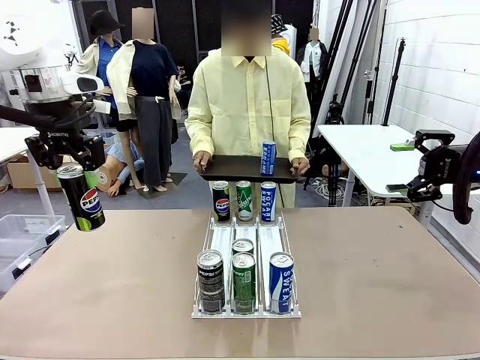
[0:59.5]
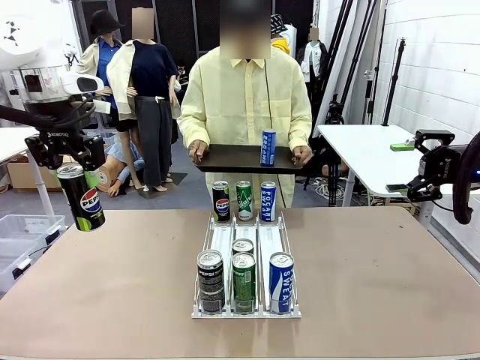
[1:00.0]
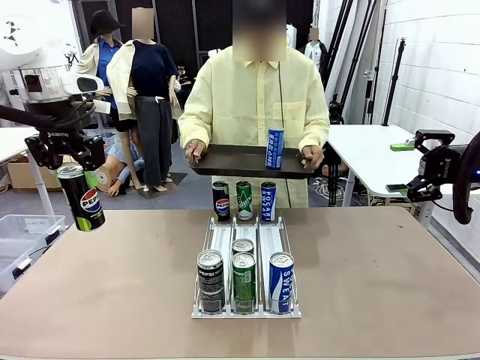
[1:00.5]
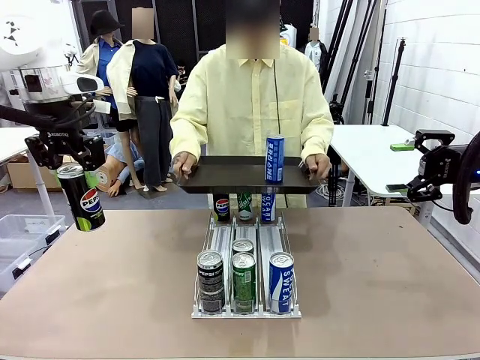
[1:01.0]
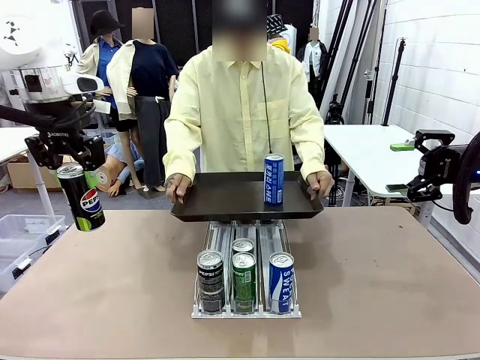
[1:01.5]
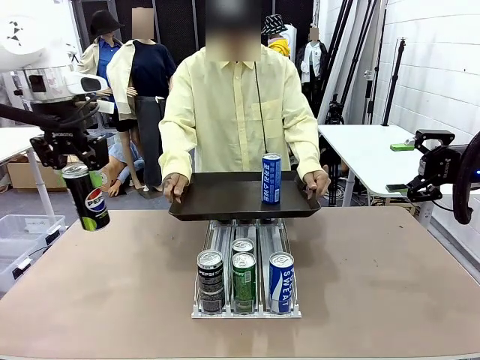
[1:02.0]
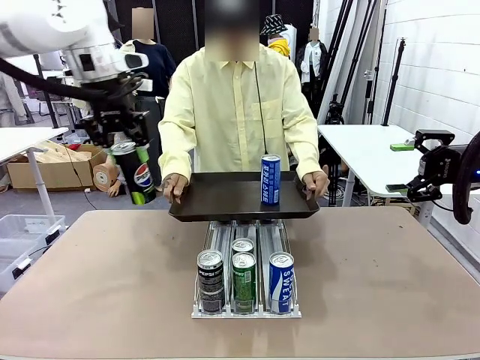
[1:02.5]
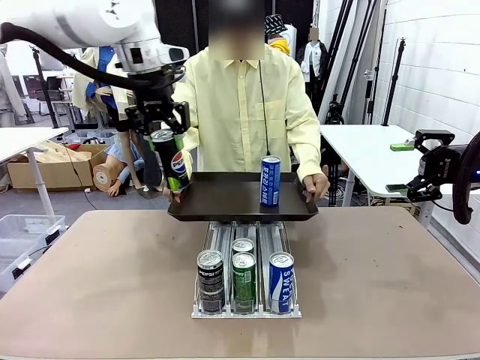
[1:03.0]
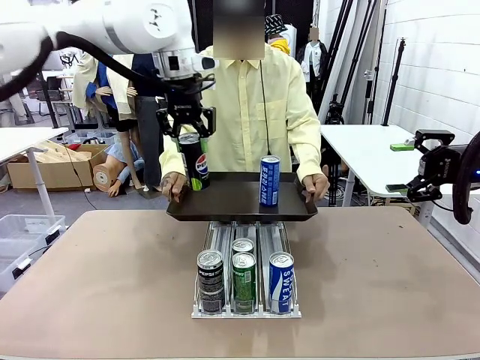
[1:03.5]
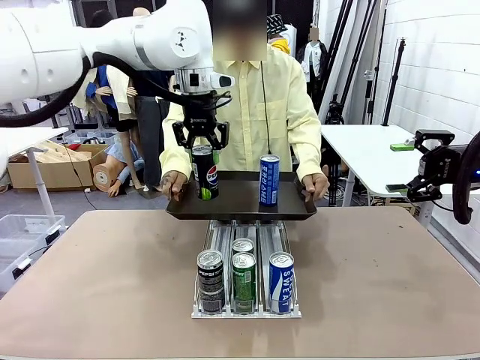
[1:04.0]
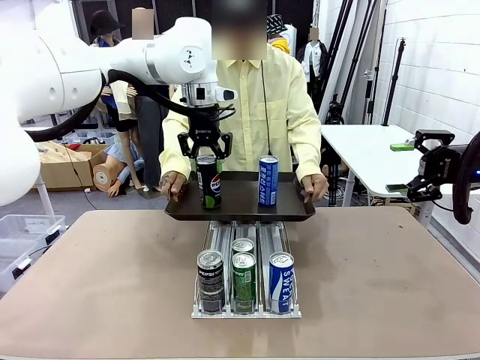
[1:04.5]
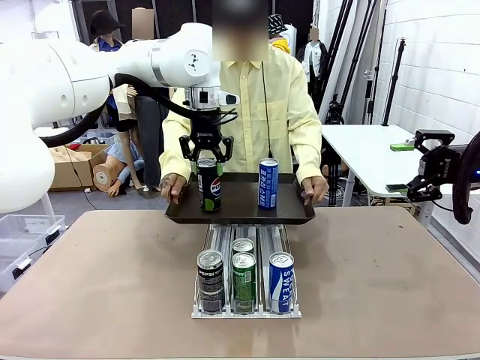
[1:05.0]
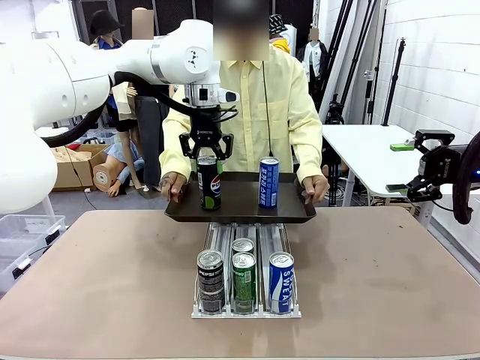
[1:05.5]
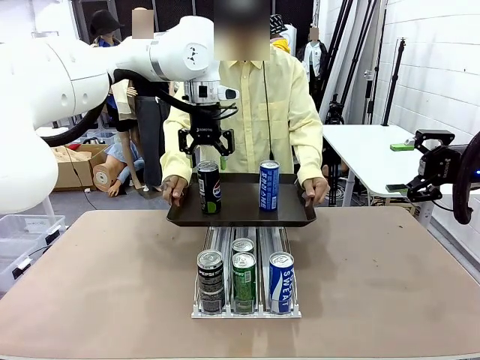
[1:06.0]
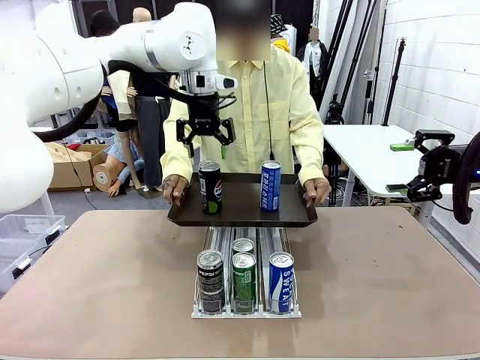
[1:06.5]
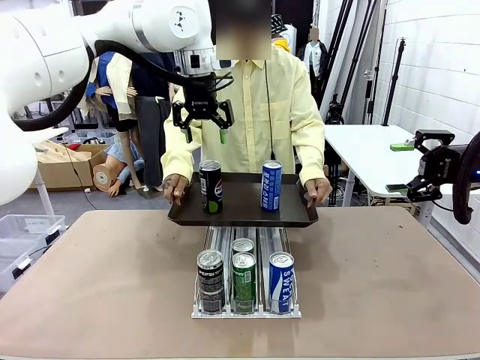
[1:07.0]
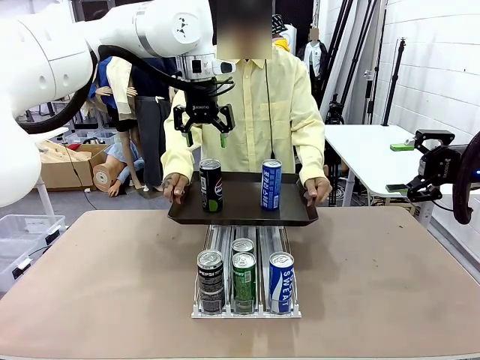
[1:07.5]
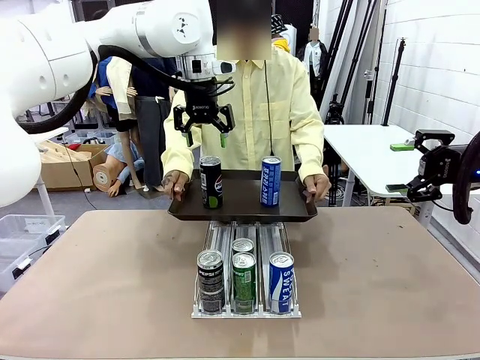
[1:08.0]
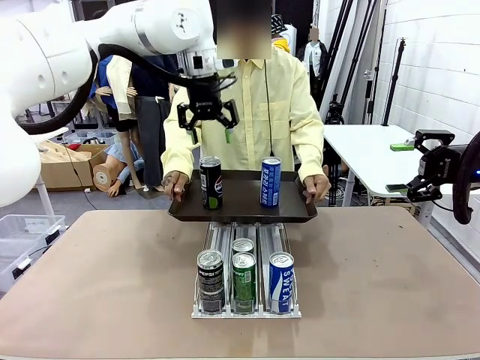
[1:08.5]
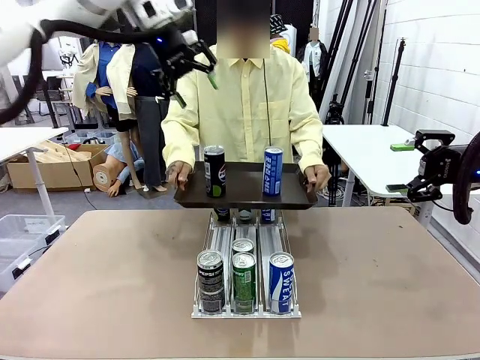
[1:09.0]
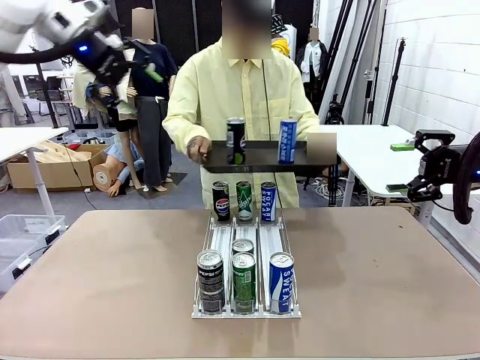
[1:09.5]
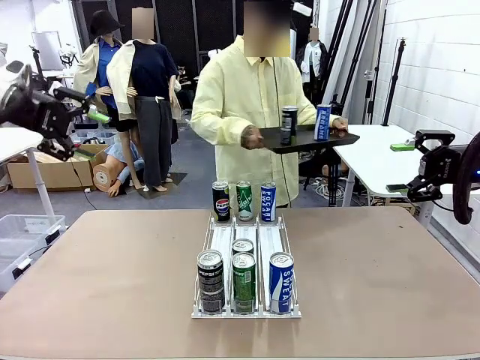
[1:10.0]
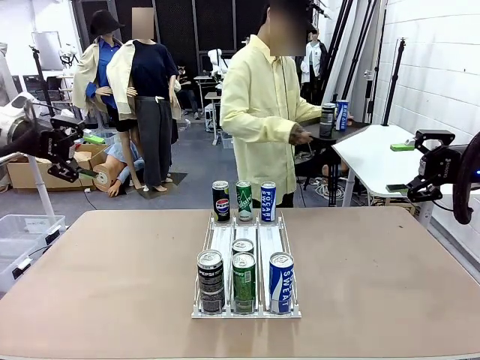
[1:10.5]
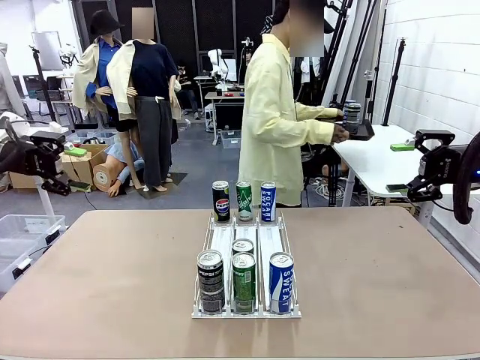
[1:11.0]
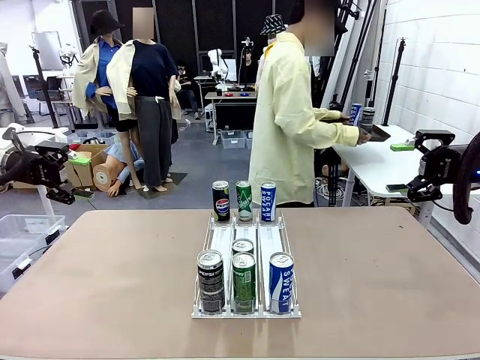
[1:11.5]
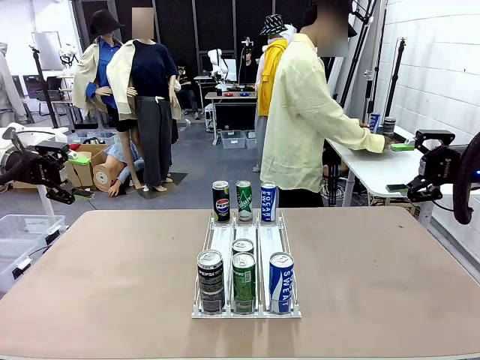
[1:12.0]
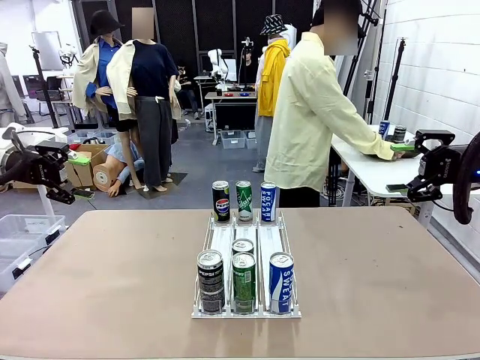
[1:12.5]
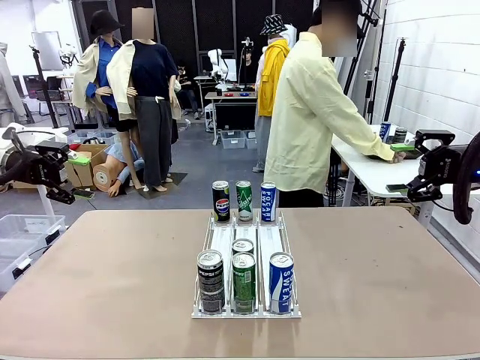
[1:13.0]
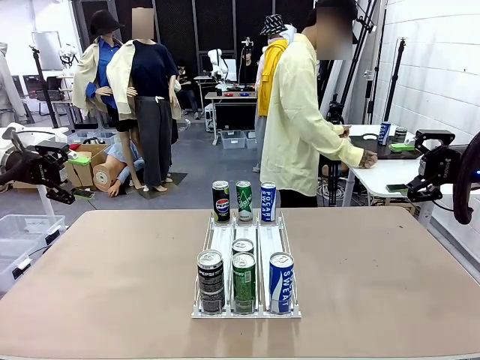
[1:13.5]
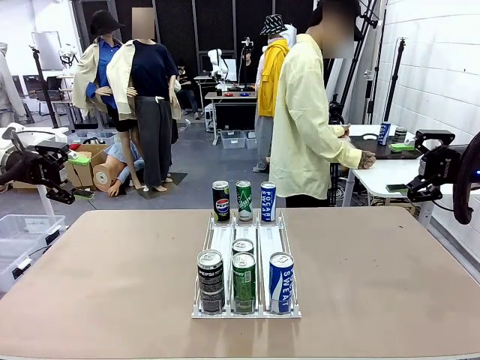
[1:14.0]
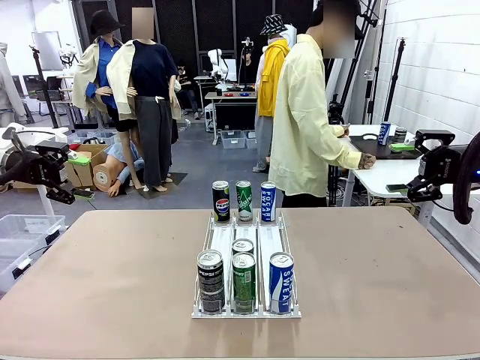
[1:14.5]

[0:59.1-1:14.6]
Task: Retrieve and hand over the desired beverage to the person.
Robot: Place the picked can on the Handle tray extended by the person.
Person: Pull the tray back and place it at the center of the human table.

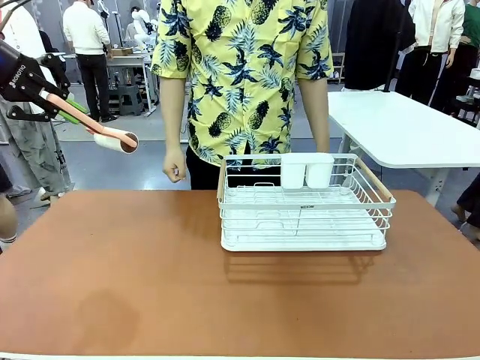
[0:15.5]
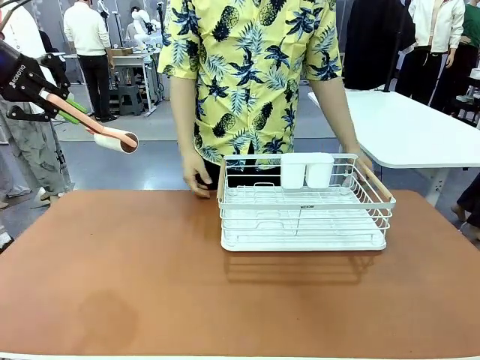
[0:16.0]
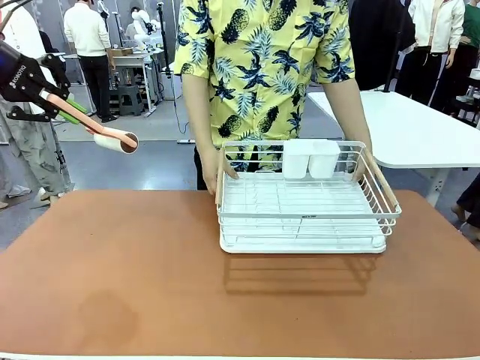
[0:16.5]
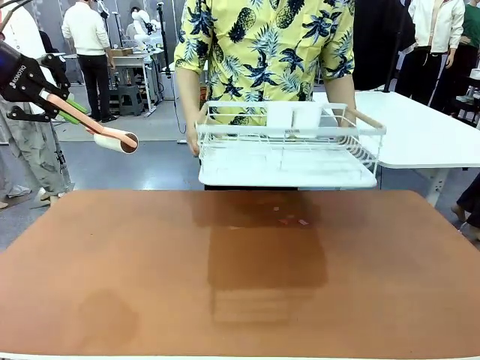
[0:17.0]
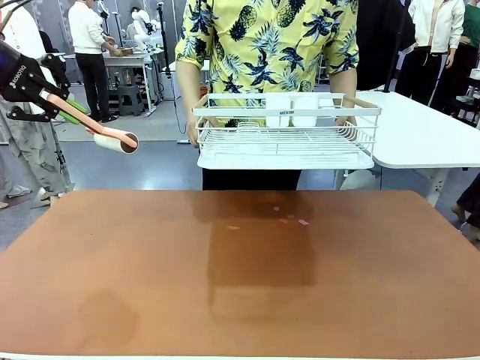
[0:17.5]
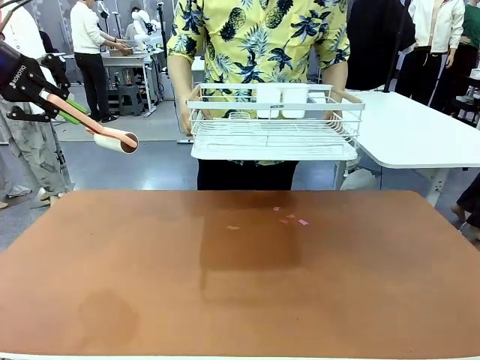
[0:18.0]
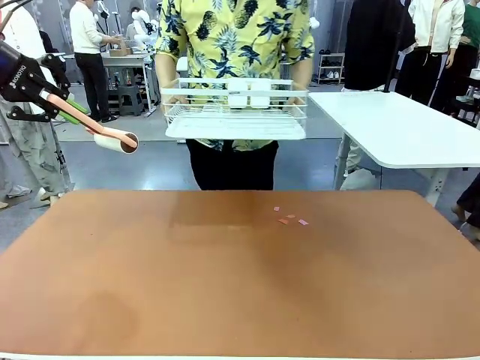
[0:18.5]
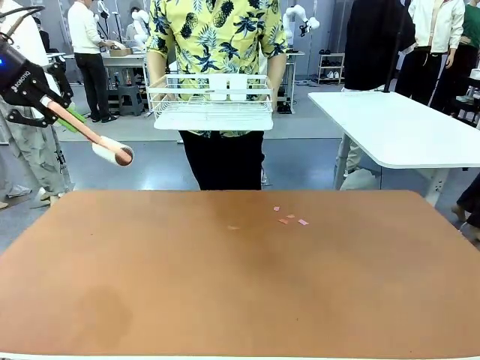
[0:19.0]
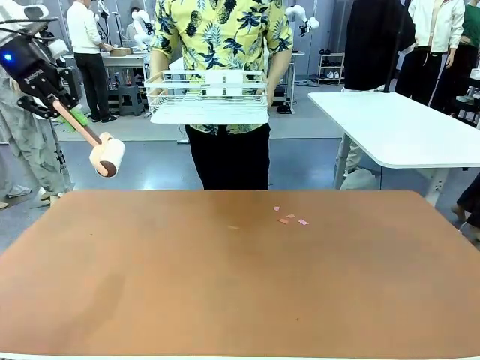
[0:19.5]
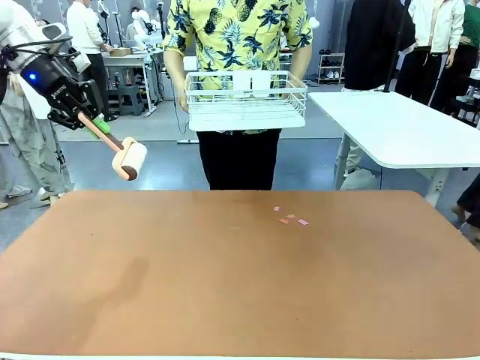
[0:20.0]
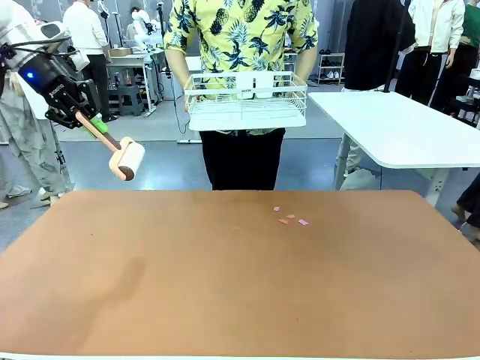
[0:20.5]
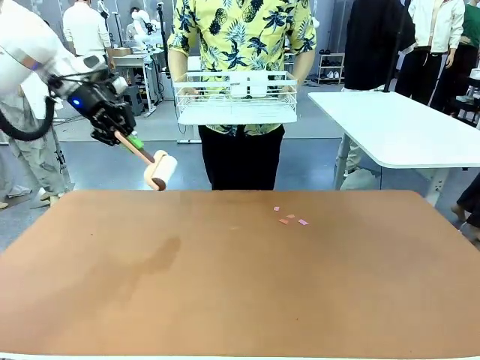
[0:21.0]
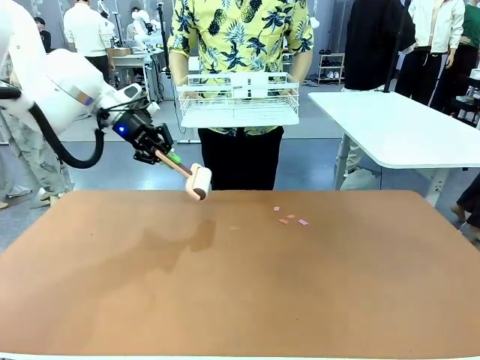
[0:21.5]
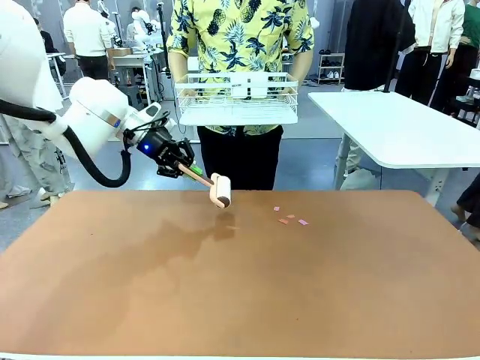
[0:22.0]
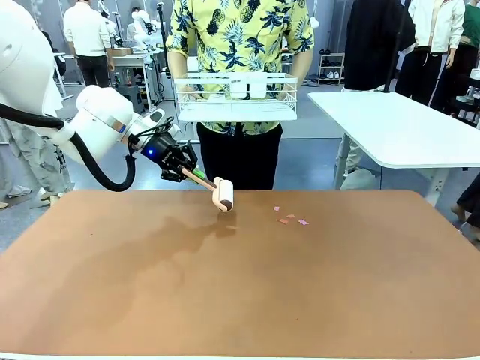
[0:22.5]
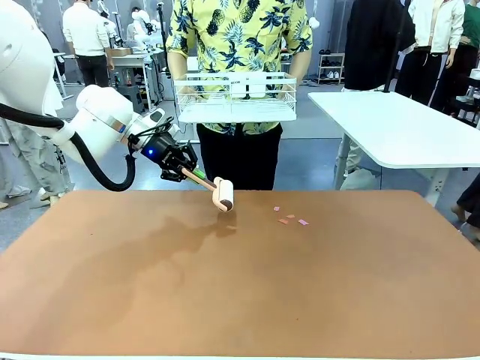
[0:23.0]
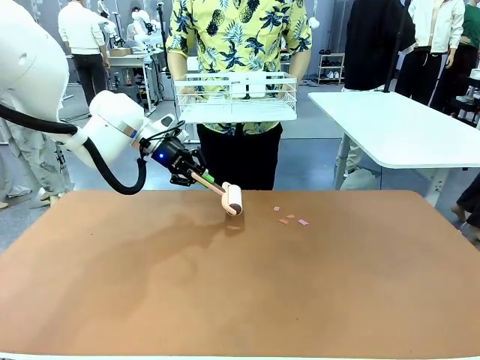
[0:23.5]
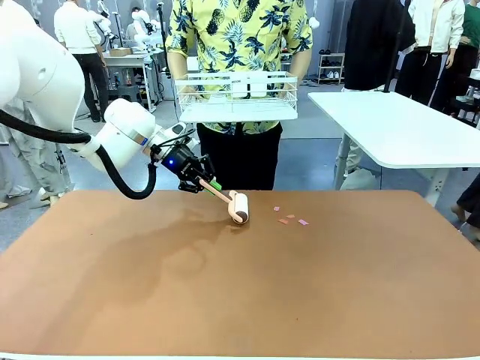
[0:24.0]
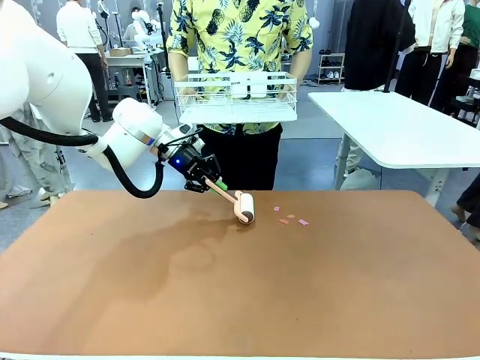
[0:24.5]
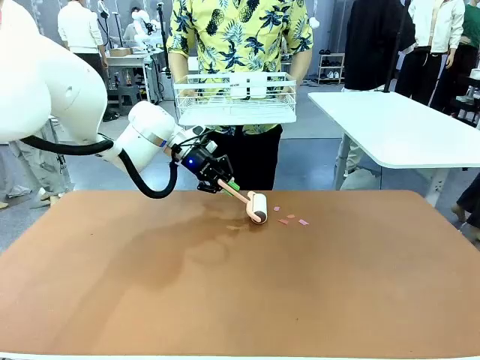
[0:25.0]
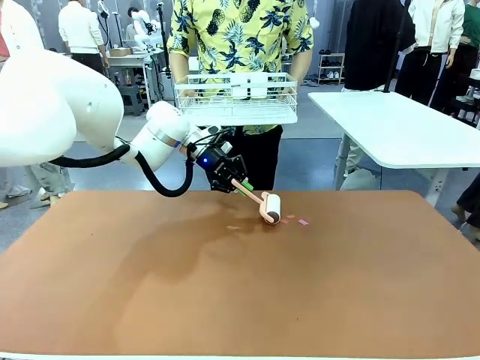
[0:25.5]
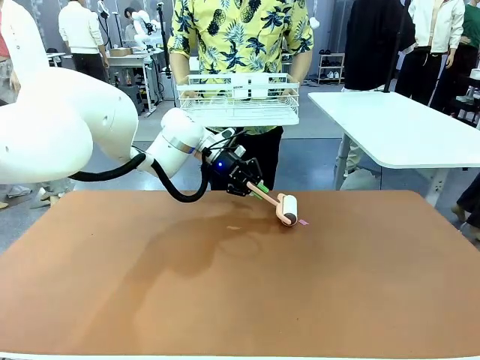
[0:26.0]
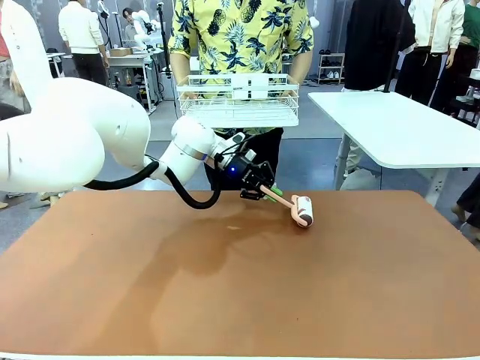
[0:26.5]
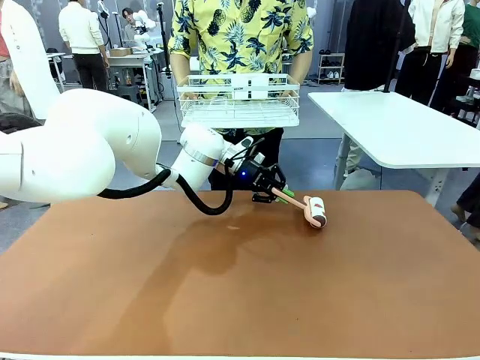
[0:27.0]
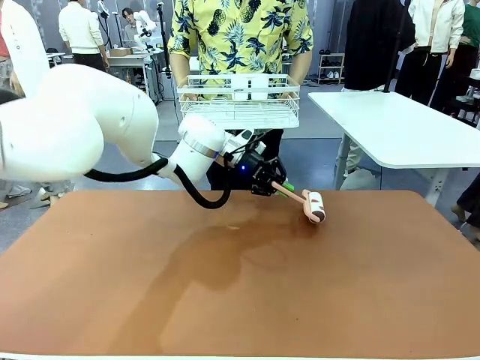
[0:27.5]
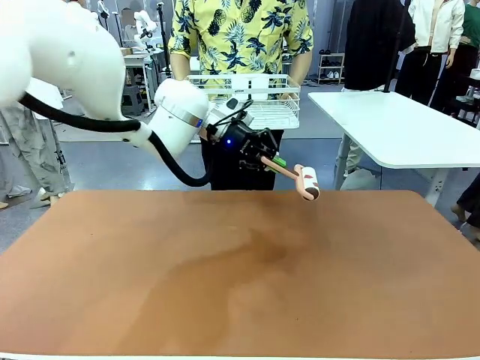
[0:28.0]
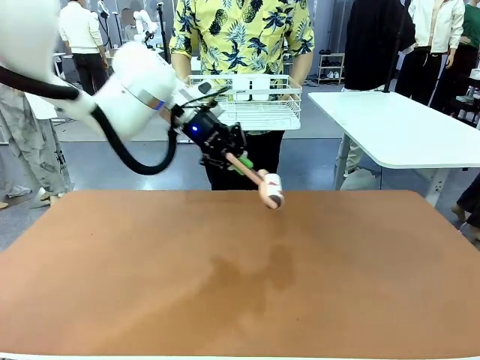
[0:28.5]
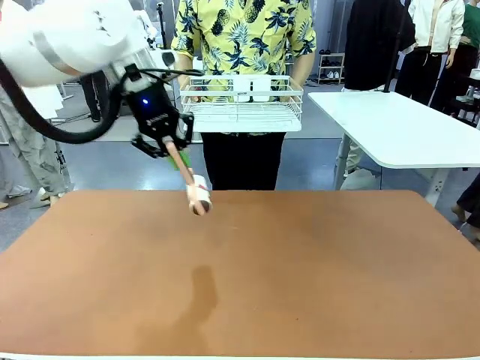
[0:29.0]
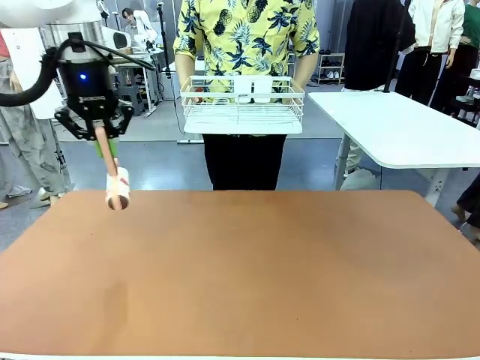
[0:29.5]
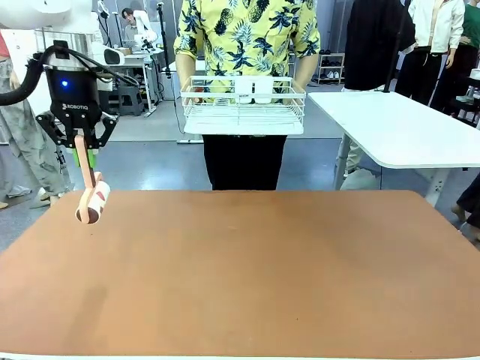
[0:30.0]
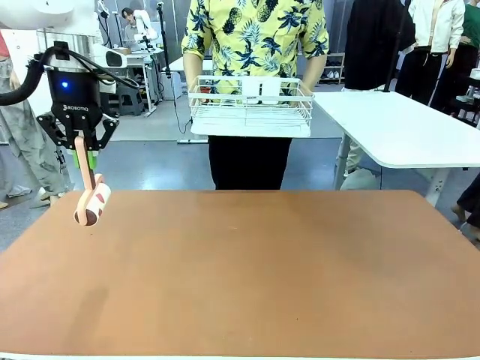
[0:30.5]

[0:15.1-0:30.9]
Task: Clean the table.
Robot: Clean the table with the Lint Roller when the human lifts the Dish drying rack.
Person: Place the Dish drying rack down when the robot finishes cleaning.
